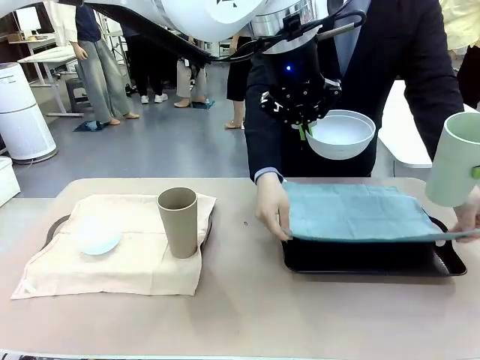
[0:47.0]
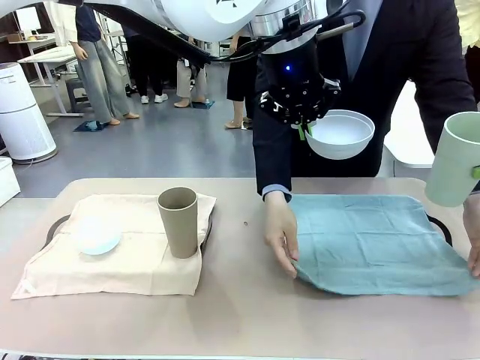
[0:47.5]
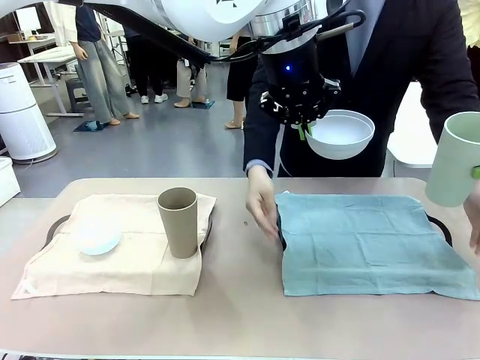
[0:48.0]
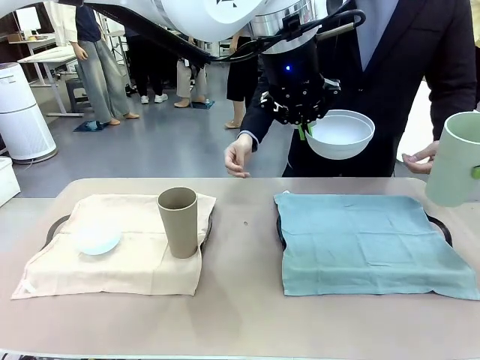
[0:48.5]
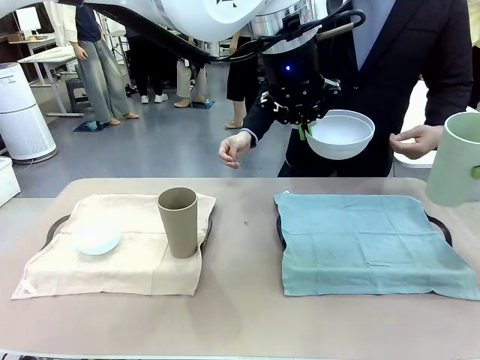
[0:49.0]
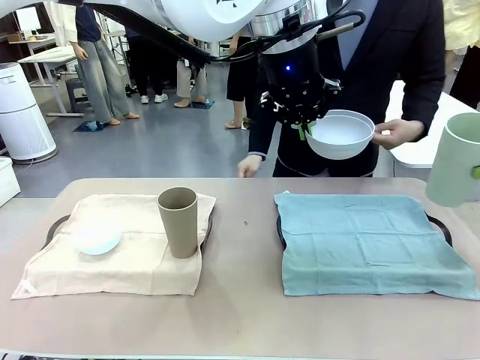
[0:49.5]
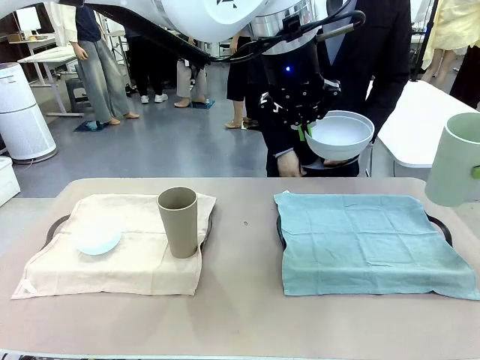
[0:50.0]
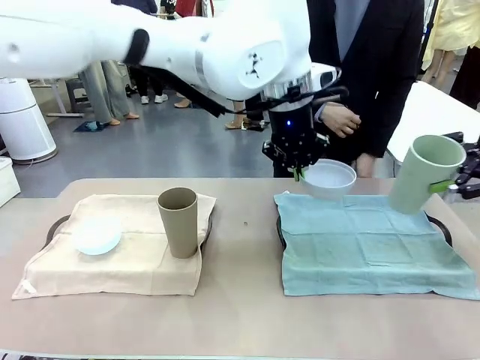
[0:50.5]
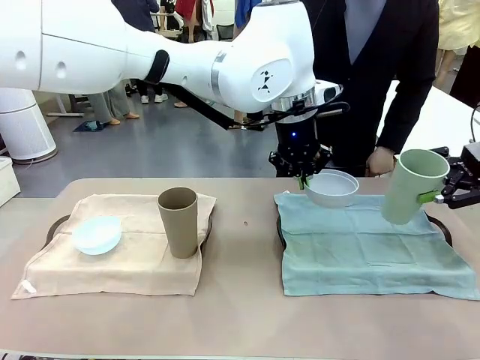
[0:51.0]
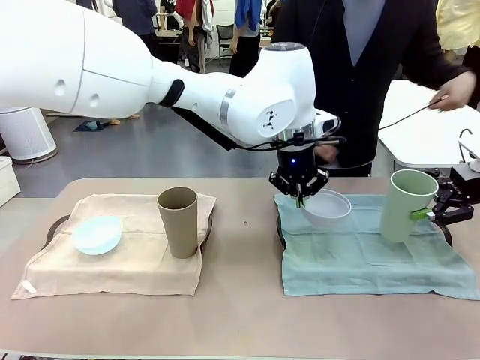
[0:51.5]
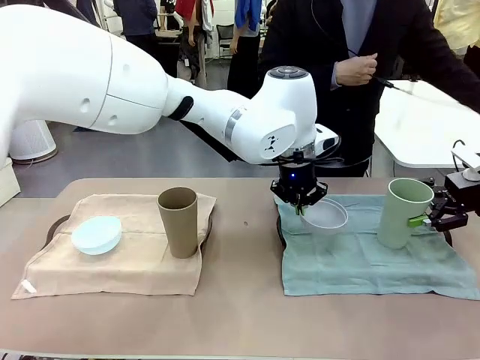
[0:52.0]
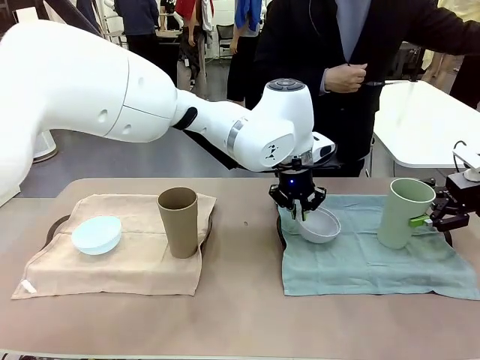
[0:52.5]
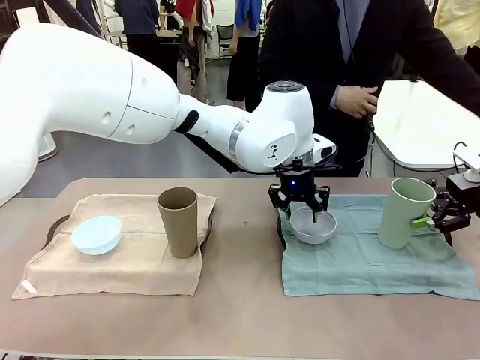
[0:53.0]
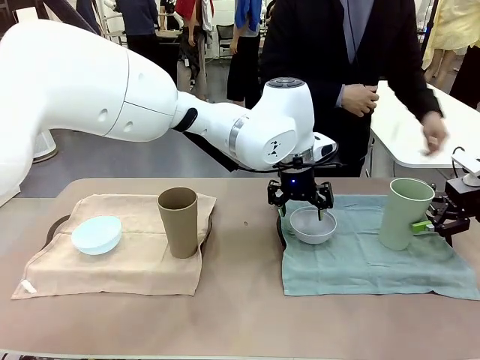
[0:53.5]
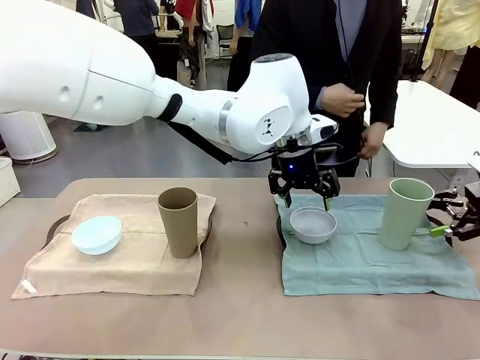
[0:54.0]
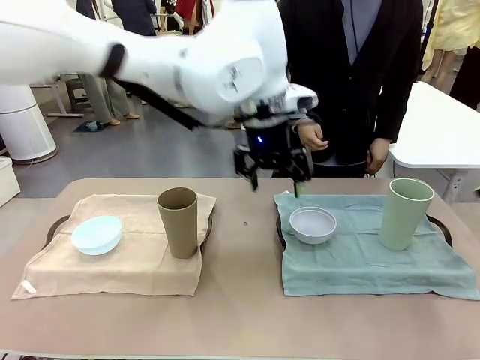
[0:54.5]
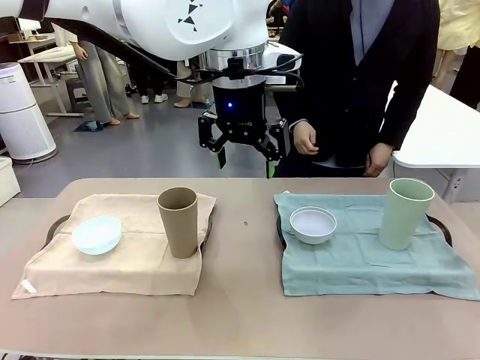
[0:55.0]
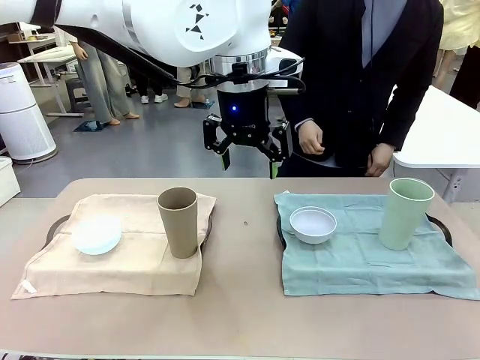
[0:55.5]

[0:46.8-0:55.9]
Robot: Place the Picnic Bowl and Reusable plastic cup back onto the Handle tray in front of the human's position.

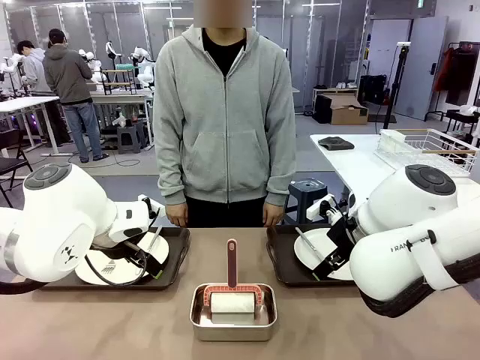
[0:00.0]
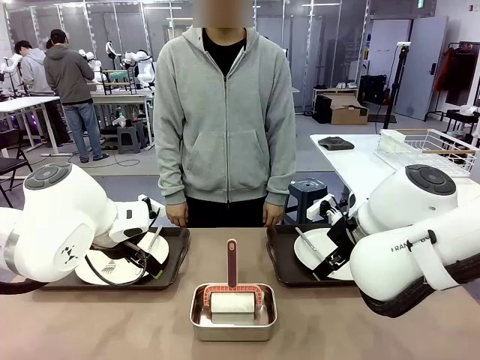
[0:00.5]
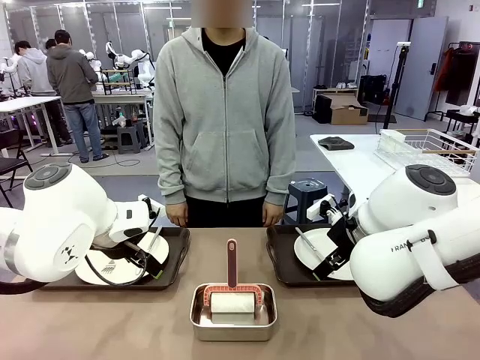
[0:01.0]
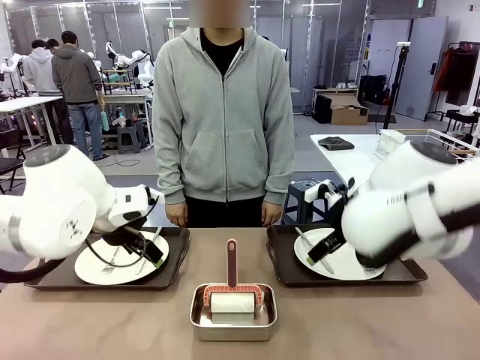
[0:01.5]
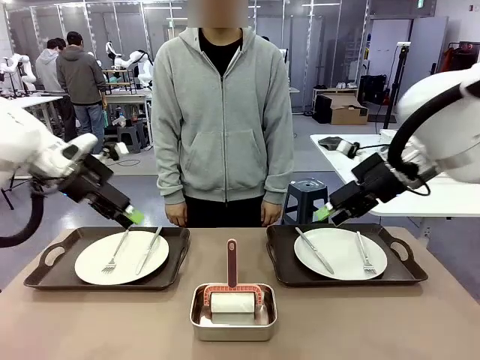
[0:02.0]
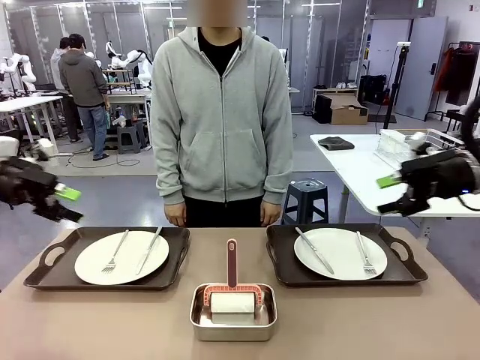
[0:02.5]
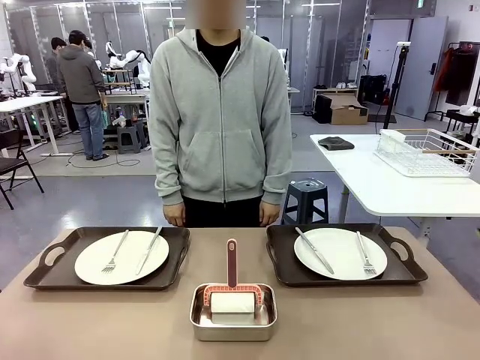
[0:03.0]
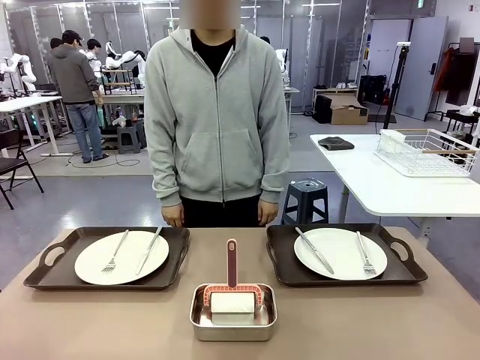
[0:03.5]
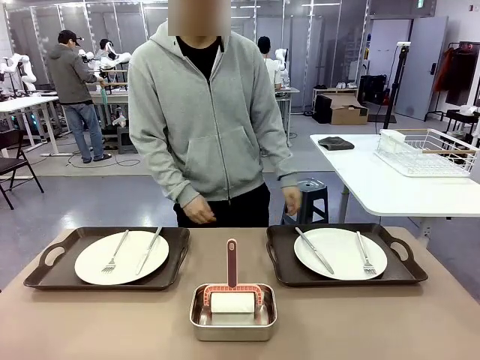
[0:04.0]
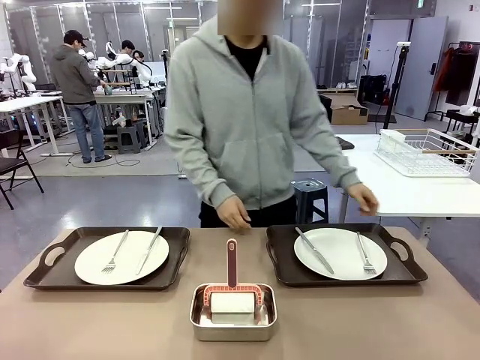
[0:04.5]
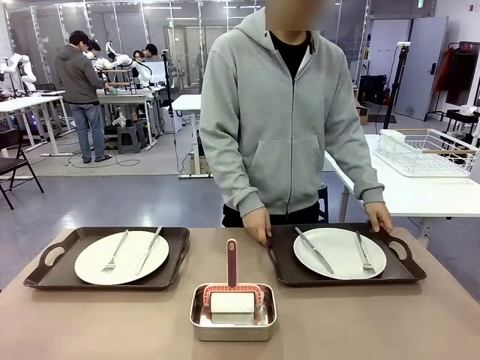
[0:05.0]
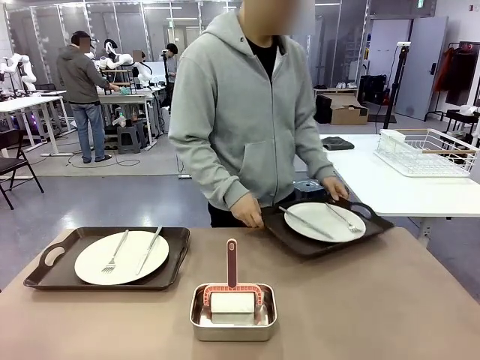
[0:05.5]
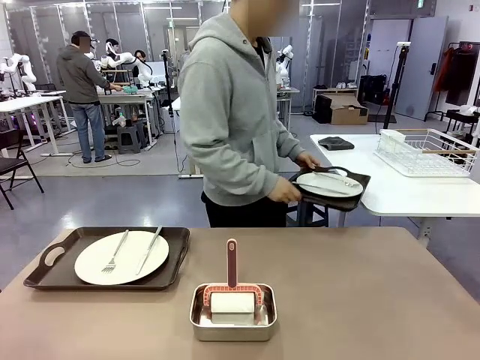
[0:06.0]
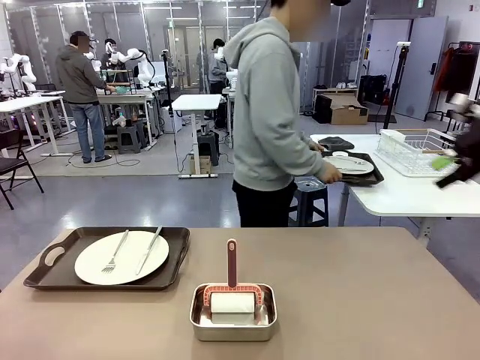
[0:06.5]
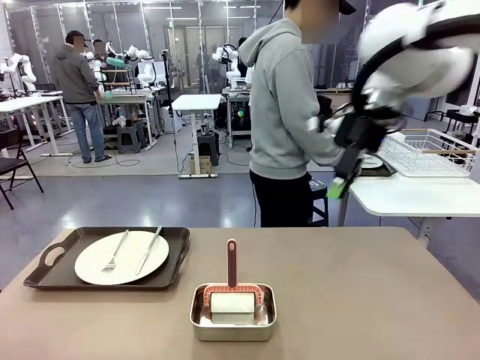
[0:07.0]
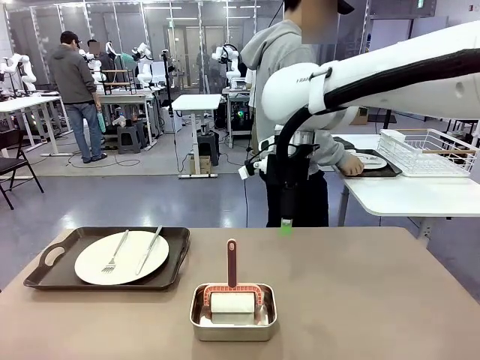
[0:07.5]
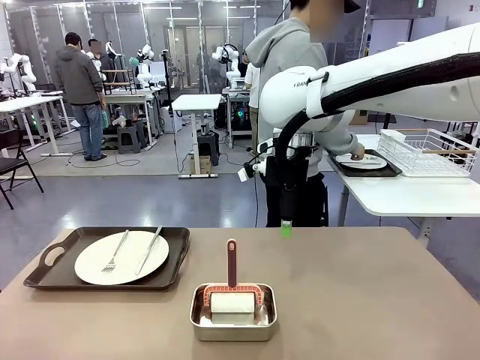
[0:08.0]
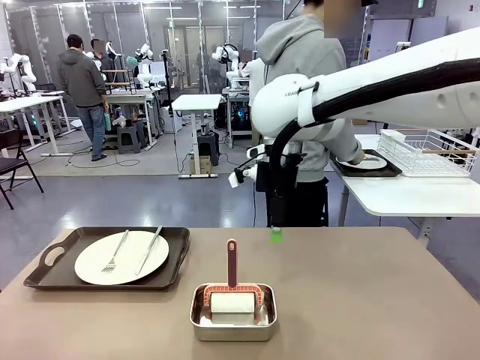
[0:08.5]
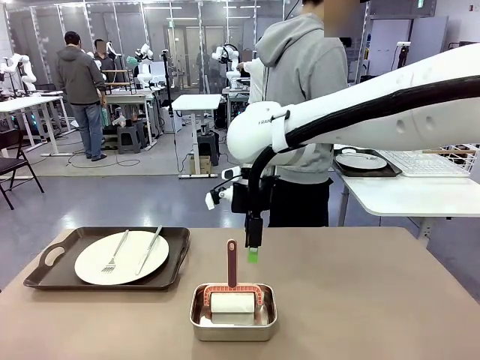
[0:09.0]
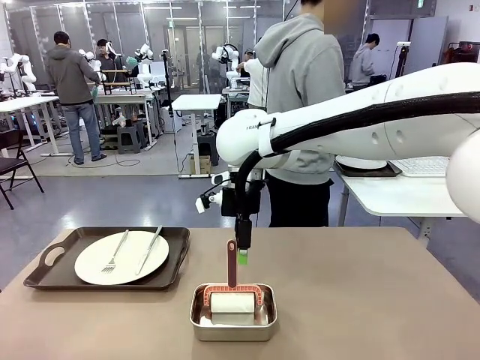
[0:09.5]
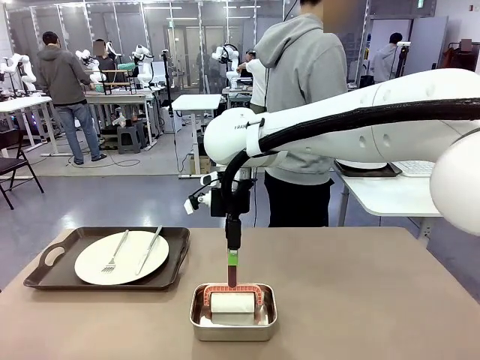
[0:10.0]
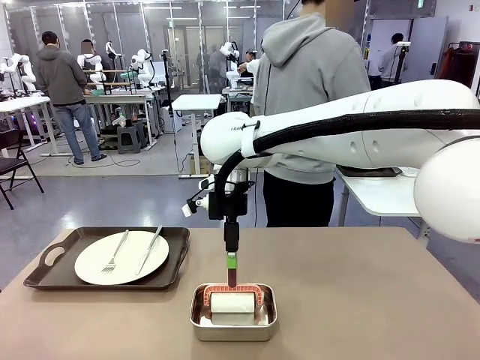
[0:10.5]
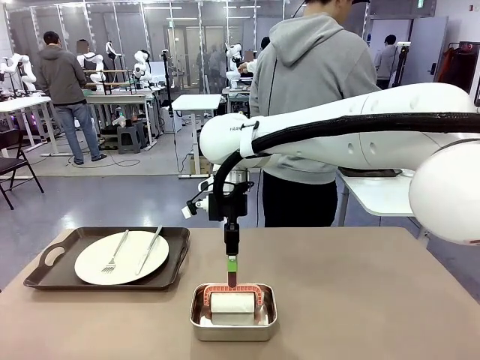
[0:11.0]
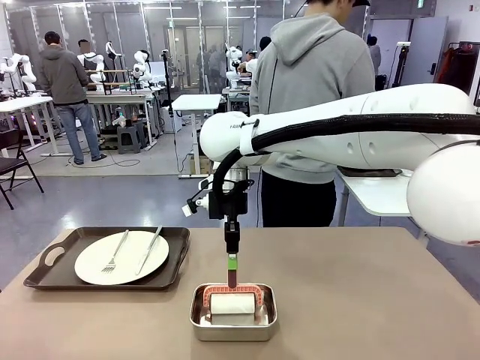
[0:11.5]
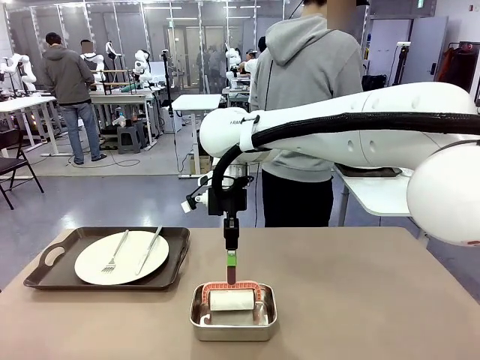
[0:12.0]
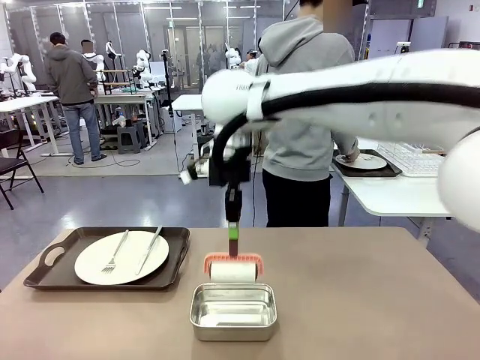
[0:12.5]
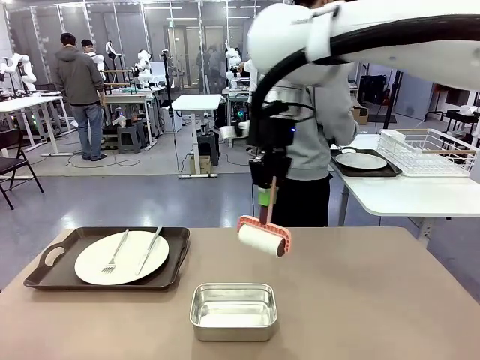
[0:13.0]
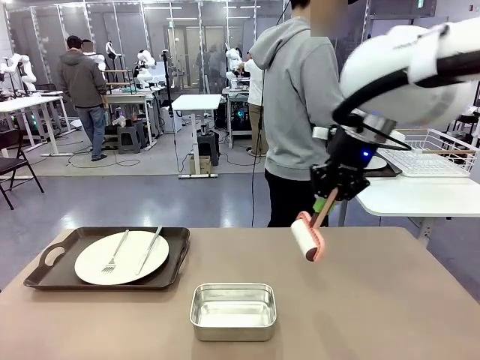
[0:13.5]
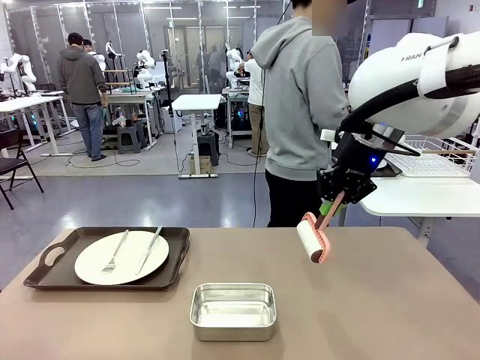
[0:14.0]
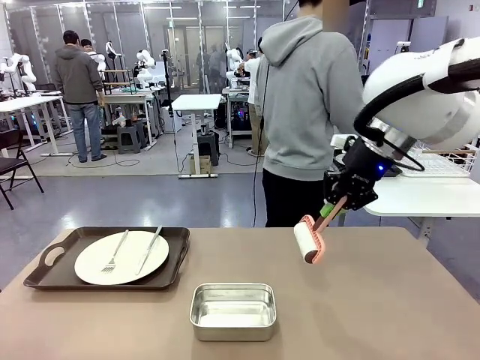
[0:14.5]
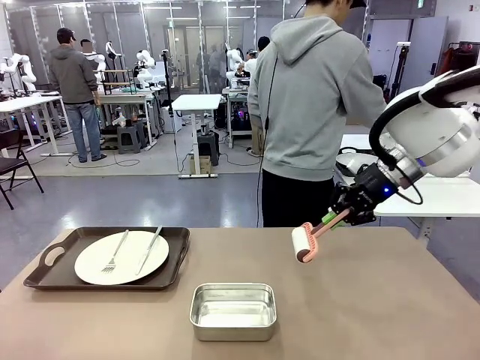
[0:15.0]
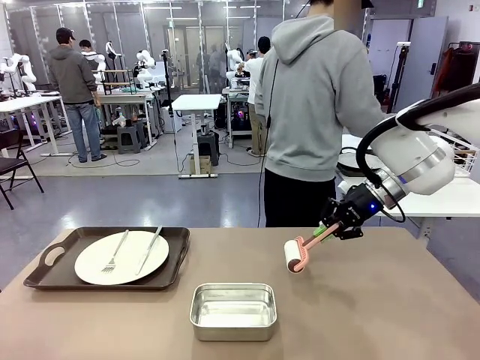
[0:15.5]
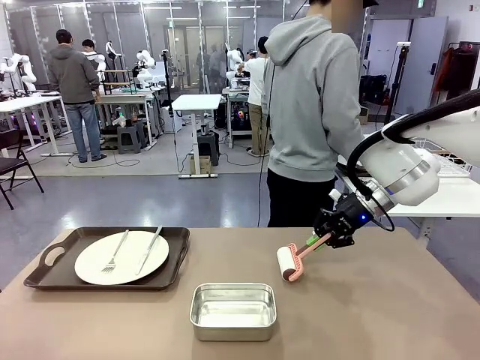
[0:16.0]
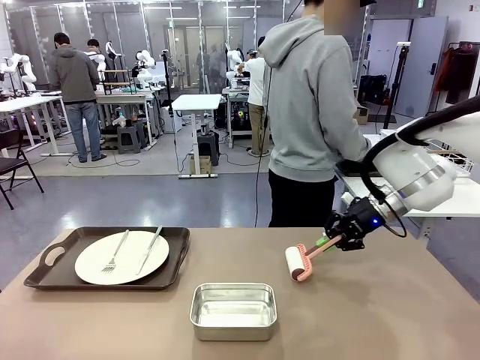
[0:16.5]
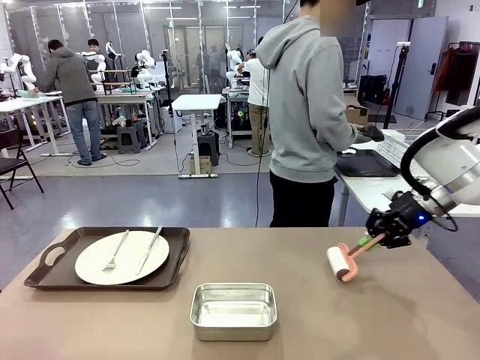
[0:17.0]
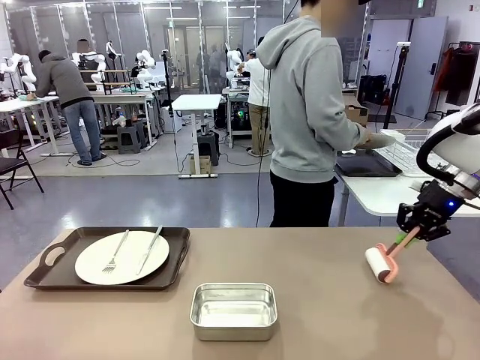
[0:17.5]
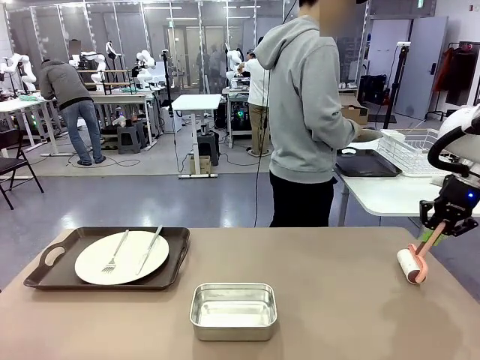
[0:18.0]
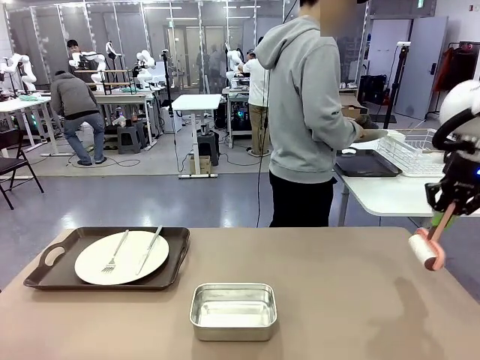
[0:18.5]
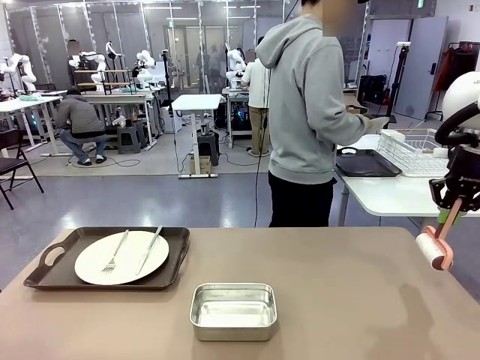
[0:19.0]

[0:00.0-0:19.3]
Robot: When the left (or right) Handle tray is removed, use the left hand (or right hand) to clean the left (or right) side of the table with the Lint Roller.
Person: Pick up the left (or right) Handle tray and place it on the middle of the Human's table. Use the Towel with hook to wipe the Plastic Matte Plate , Fork , and Knife and place into the Dish drying rack.
